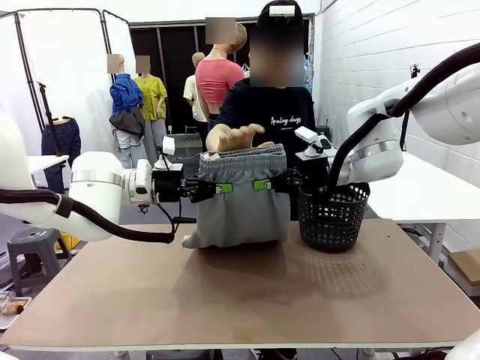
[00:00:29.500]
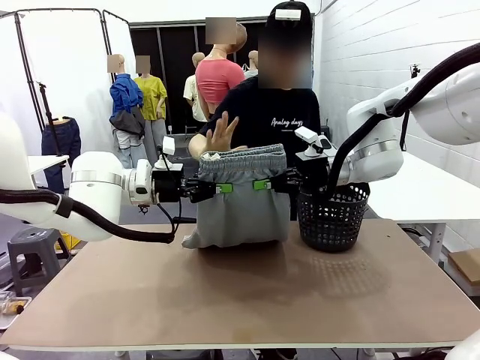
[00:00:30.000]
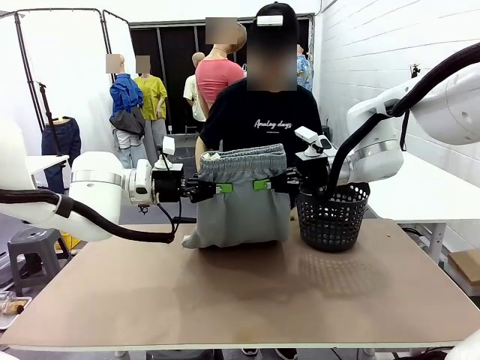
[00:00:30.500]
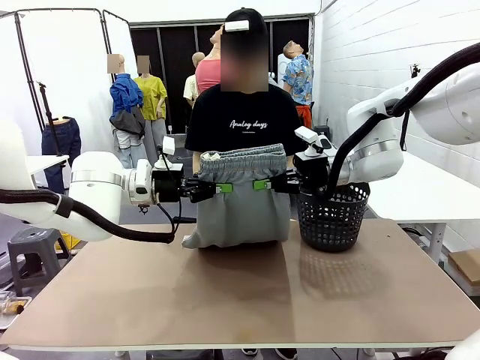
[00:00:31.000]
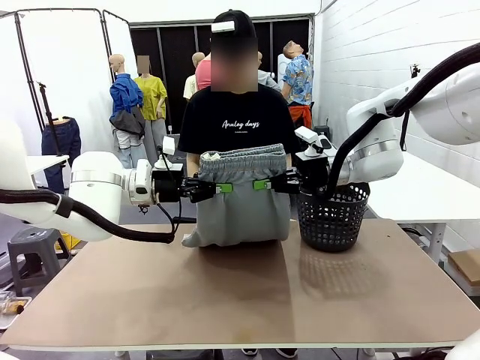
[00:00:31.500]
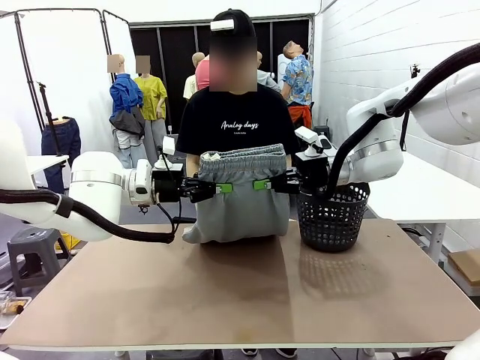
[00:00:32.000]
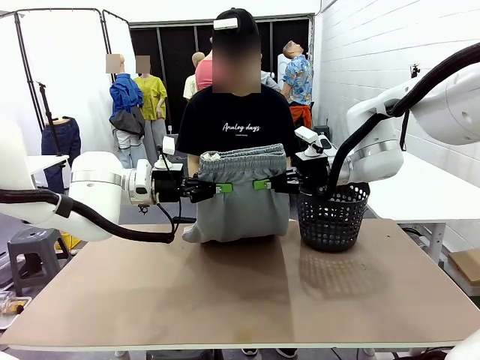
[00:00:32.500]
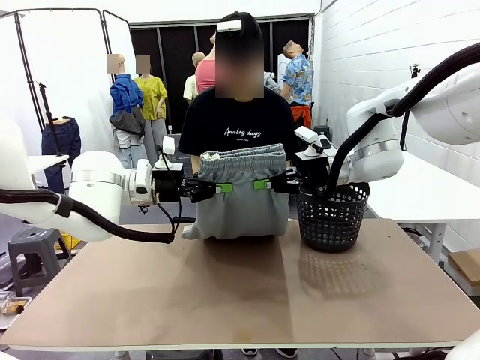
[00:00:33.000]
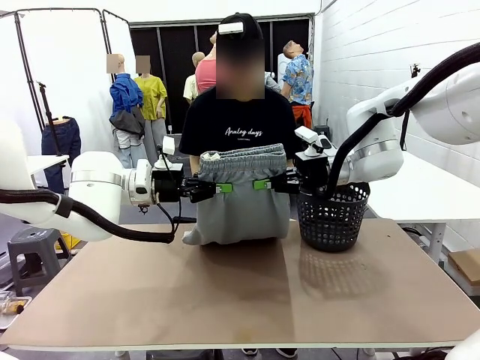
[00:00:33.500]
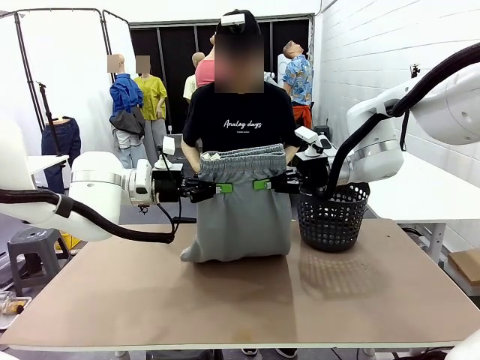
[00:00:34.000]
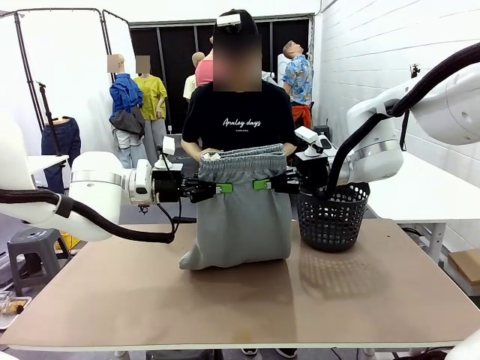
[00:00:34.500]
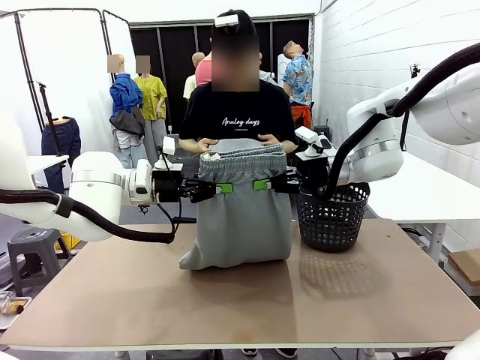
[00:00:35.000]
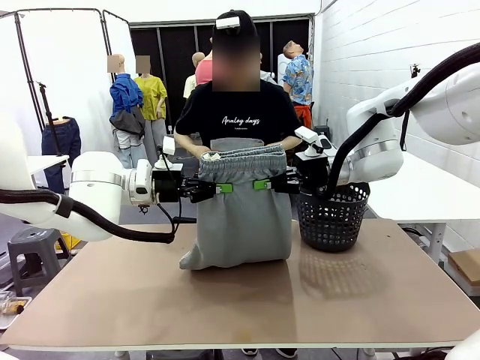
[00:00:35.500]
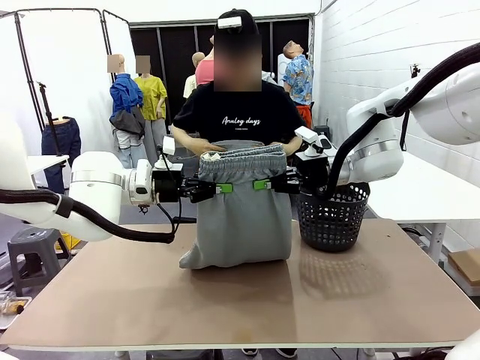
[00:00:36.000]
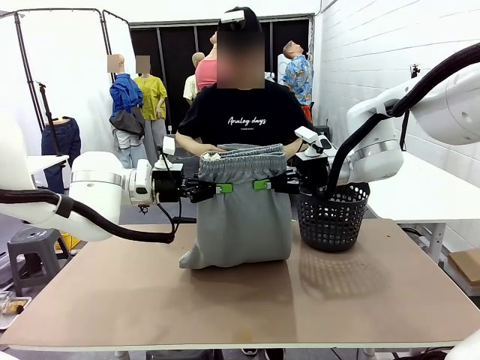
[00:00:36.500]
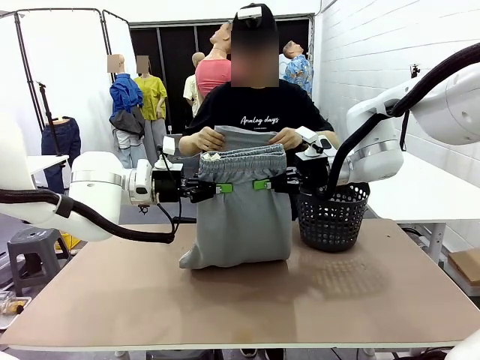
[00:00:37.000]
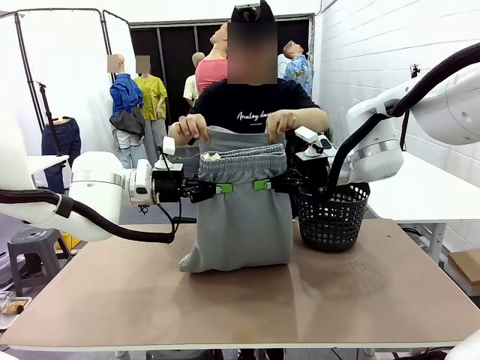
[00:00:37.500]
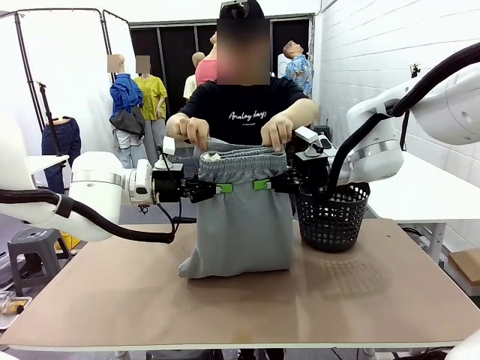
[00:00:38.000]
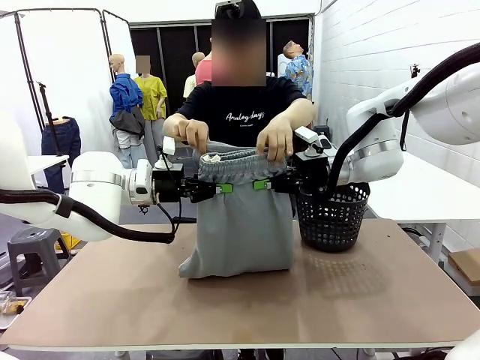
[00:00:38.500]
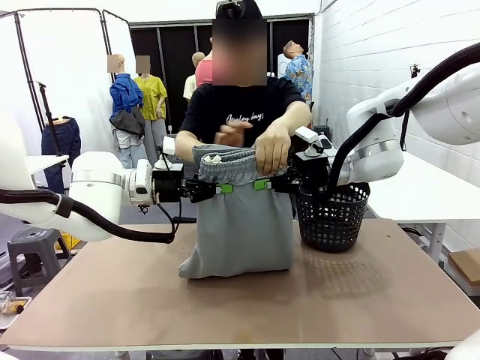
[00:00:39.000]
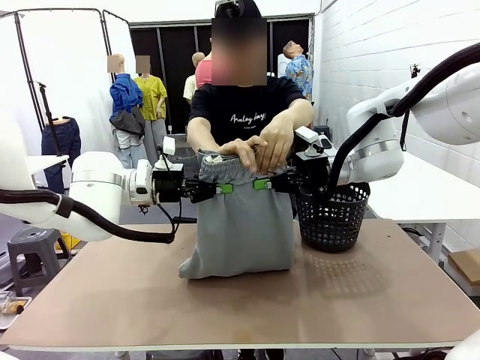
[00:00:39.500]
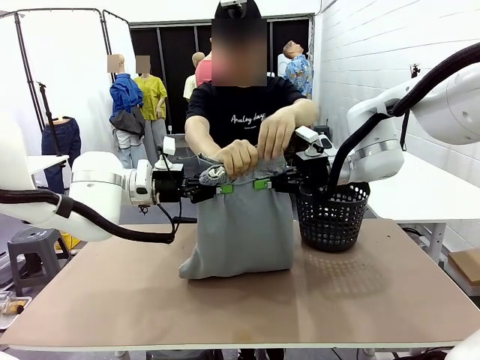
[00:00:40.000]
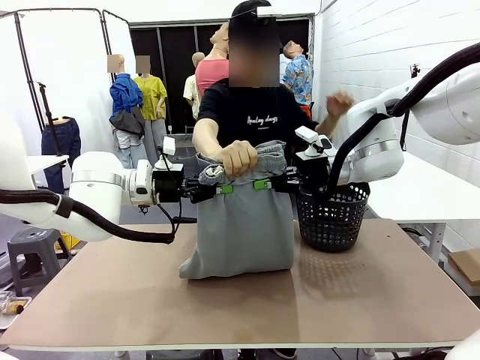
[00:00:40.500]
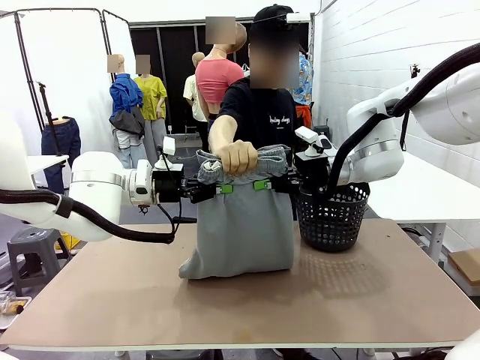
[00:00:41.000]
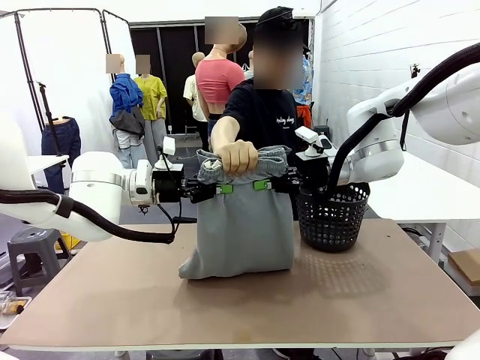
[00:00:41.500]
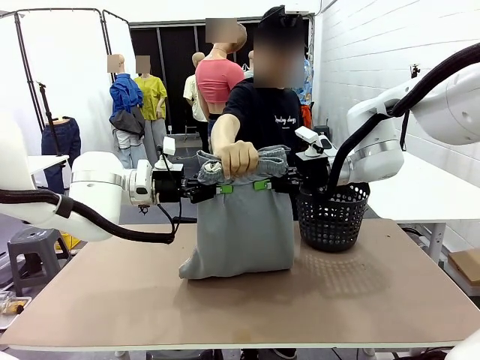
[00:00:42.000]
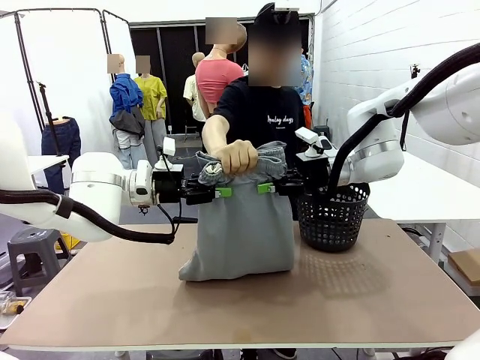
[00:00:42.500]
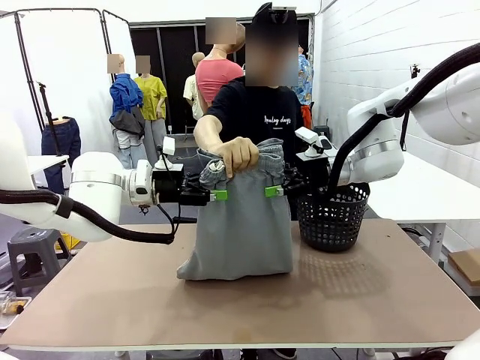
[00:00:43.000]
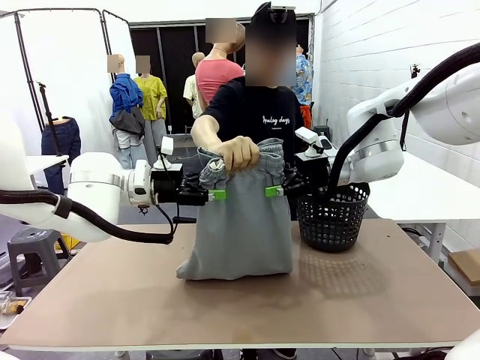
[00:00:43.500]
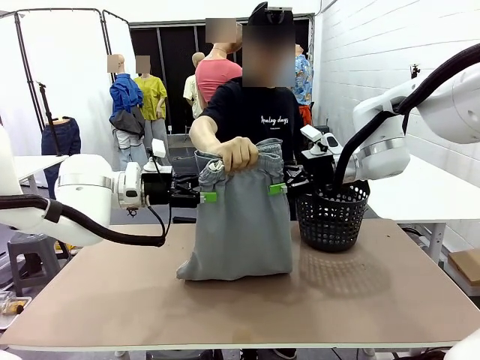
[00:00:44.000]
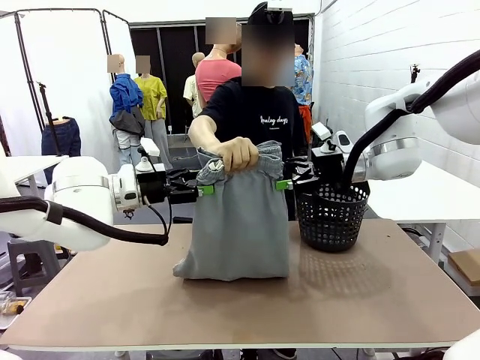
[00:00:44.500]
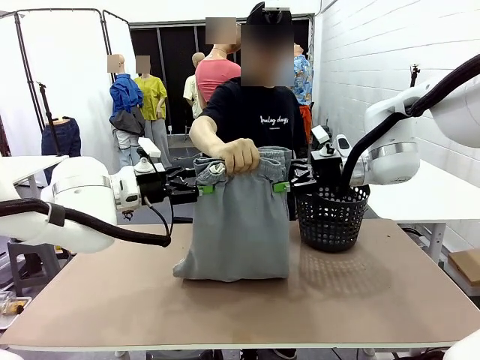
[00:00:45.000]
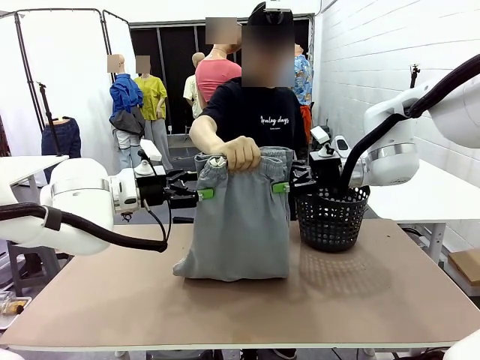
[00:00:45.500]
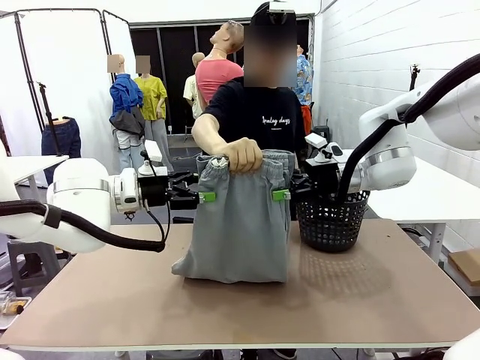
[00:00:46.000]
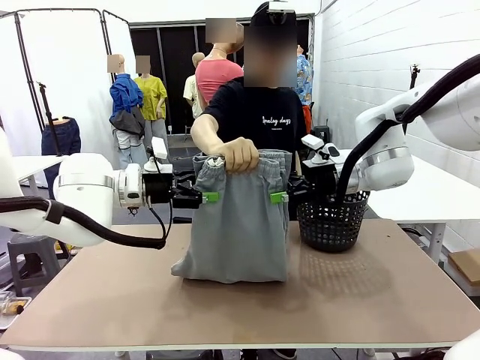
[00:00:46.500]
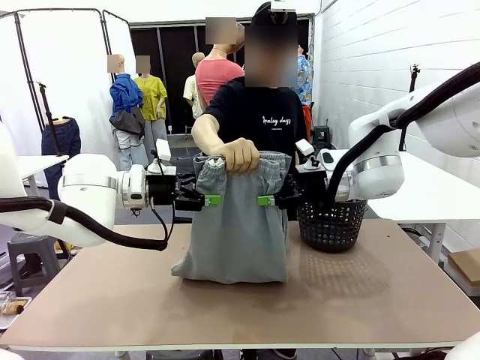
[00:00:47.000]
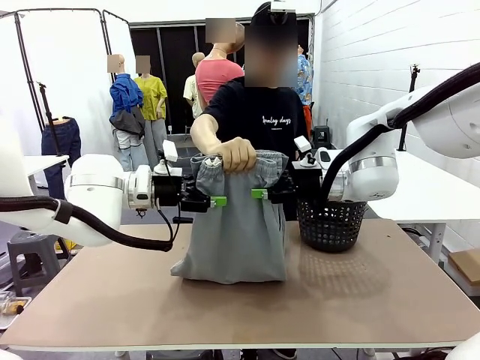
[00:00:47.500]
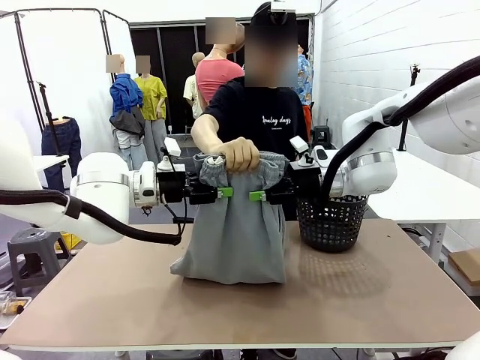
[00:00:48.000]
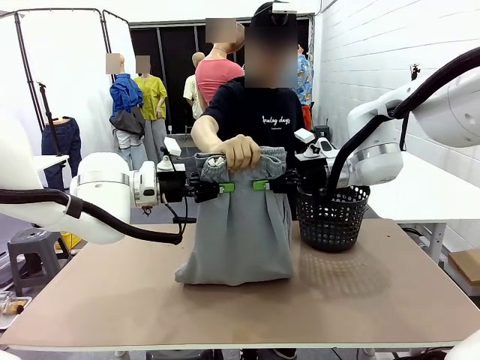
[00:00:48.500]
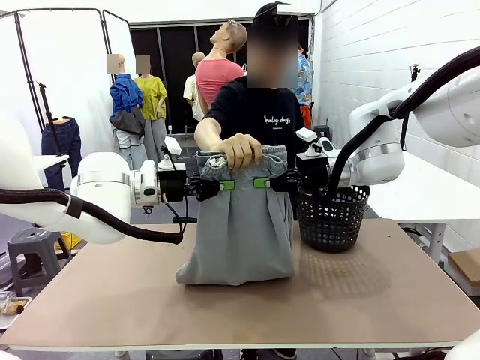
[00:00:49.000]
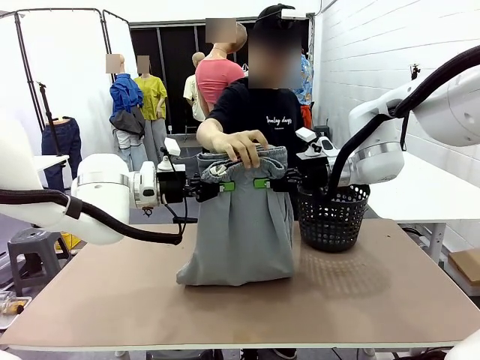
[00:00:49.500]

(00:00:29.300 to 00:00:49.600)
Task: Fold the training pants.
Robot: Release the ends of the Training pants and then grab the overlapped ends.
Person: Grasp the end opposite the point the robot is holding, fold the pants in half, and then grasp the overlapping top end of the folded pants. Release the pants you were holding.
